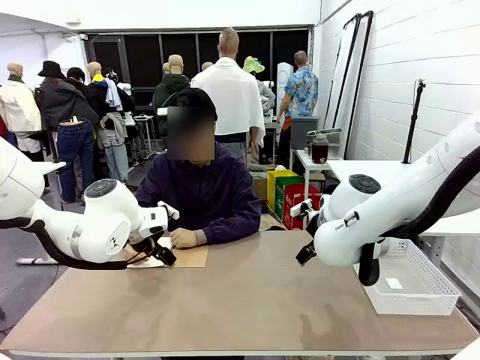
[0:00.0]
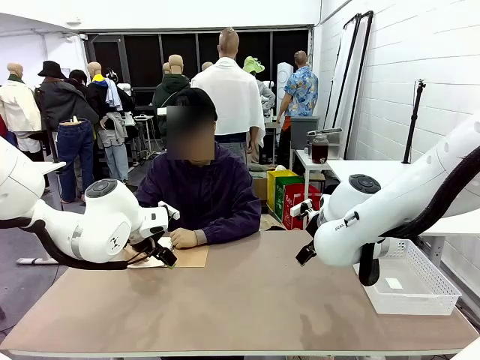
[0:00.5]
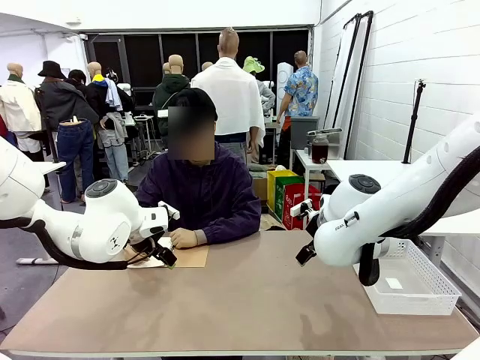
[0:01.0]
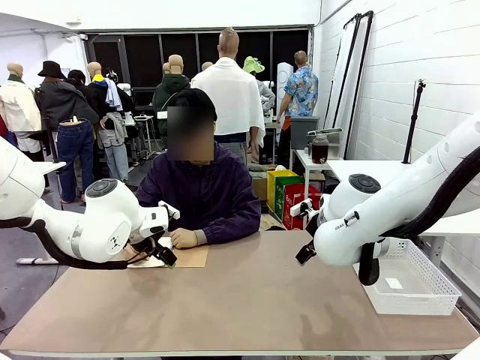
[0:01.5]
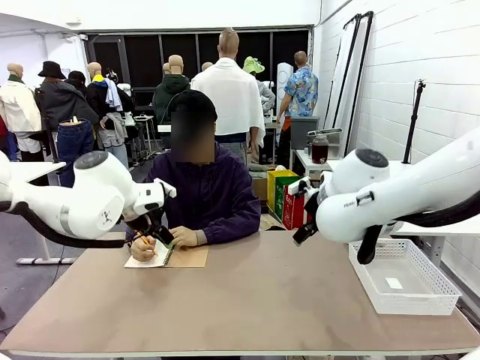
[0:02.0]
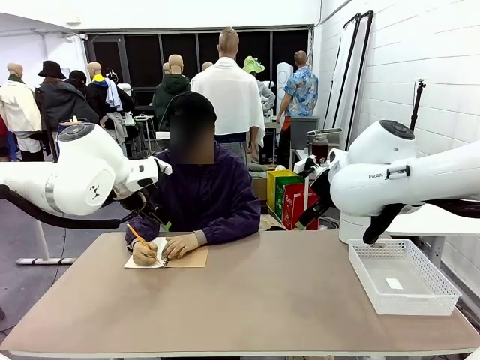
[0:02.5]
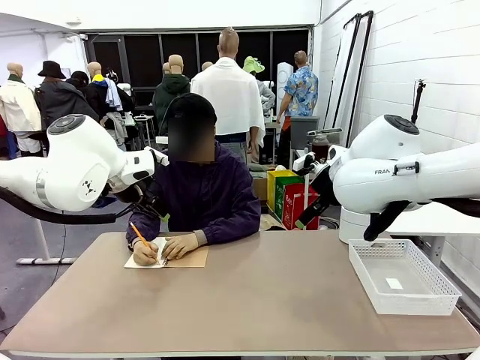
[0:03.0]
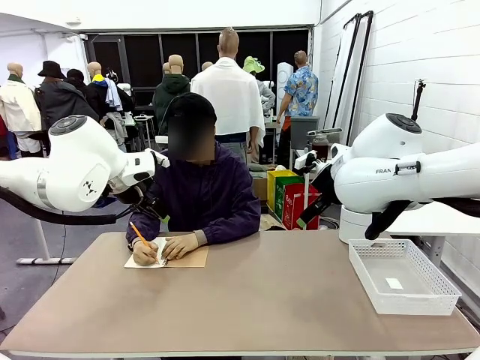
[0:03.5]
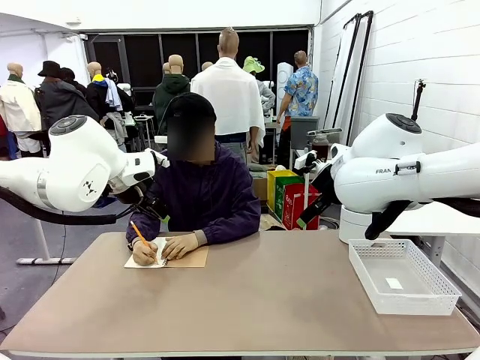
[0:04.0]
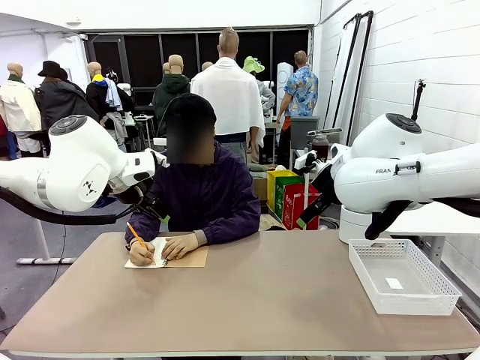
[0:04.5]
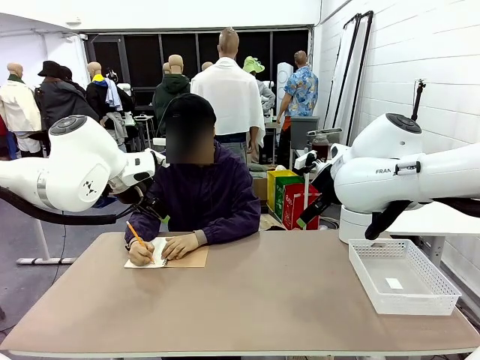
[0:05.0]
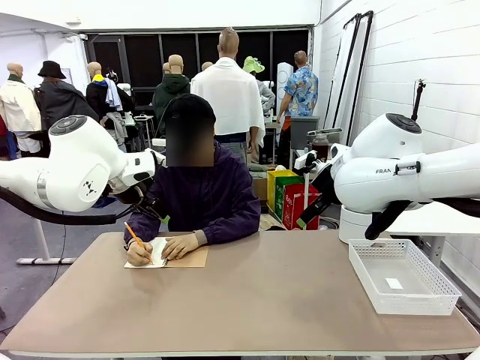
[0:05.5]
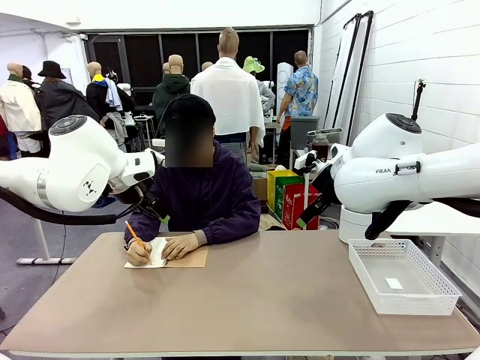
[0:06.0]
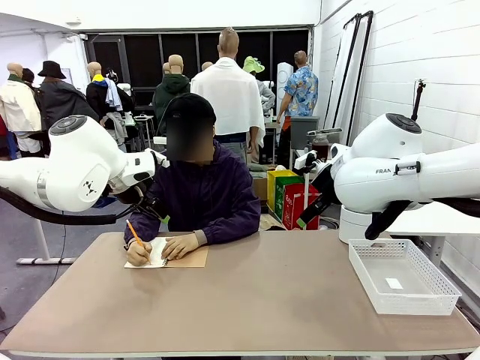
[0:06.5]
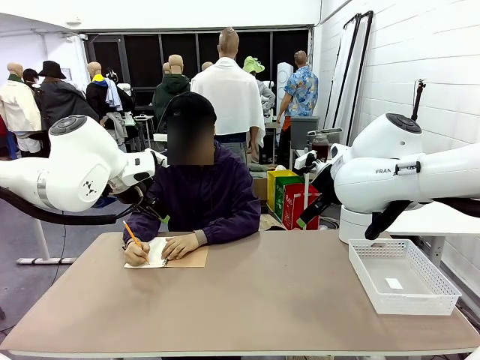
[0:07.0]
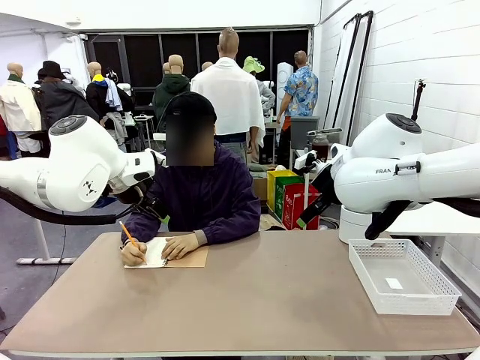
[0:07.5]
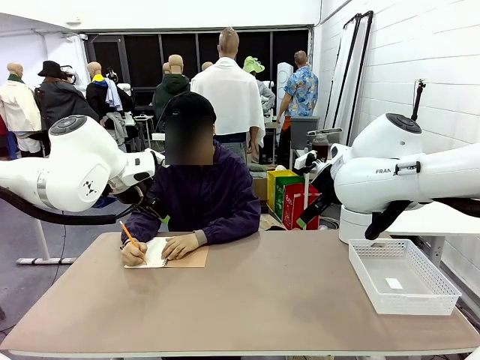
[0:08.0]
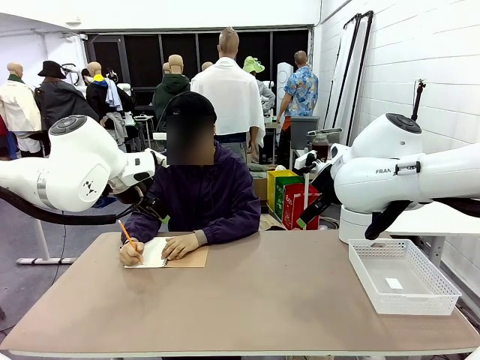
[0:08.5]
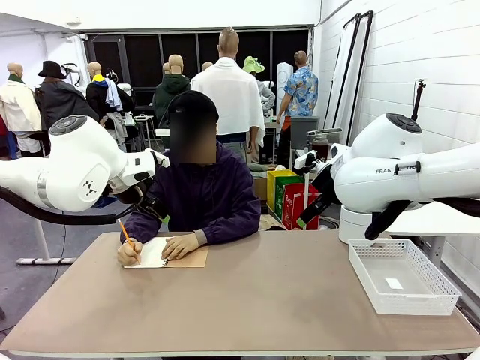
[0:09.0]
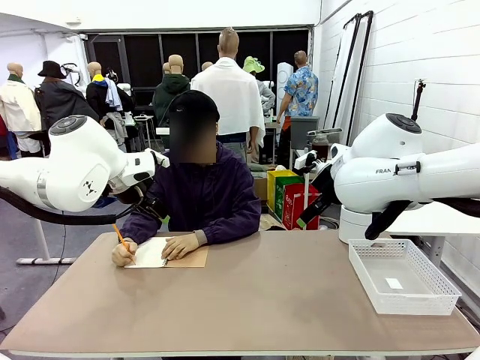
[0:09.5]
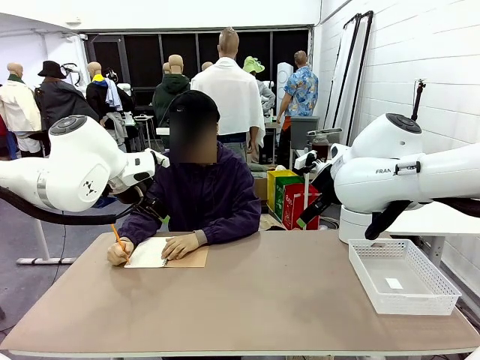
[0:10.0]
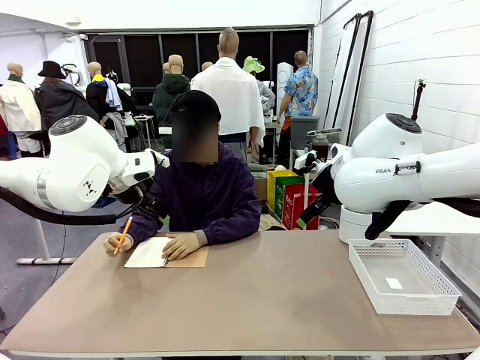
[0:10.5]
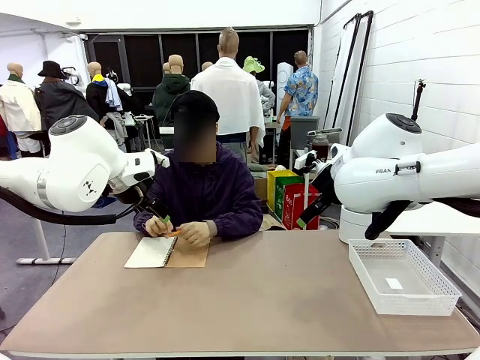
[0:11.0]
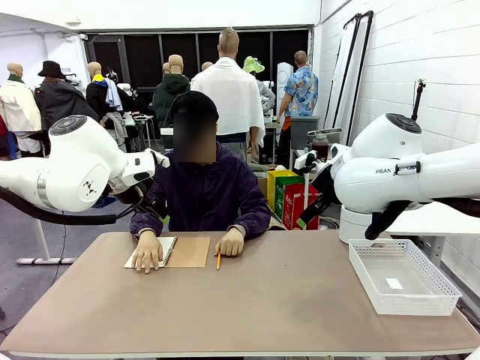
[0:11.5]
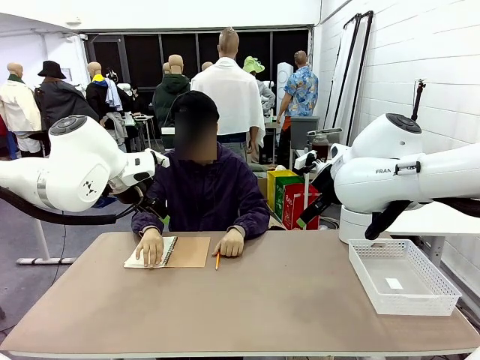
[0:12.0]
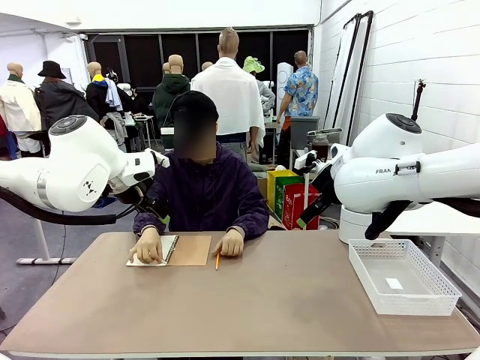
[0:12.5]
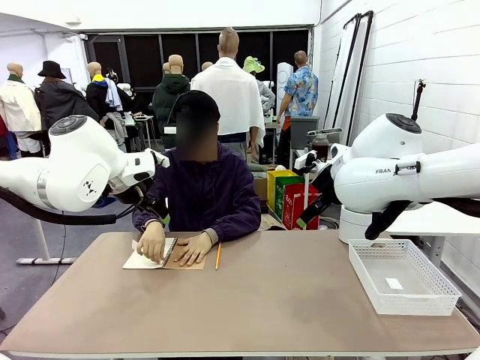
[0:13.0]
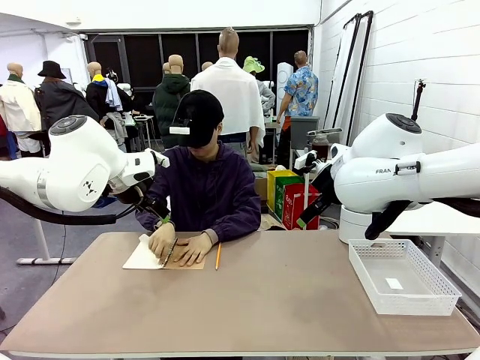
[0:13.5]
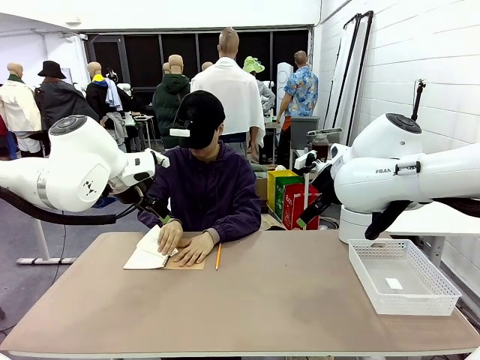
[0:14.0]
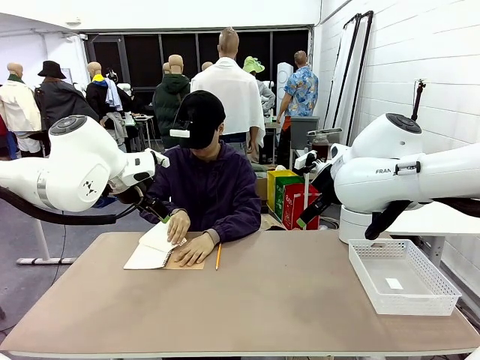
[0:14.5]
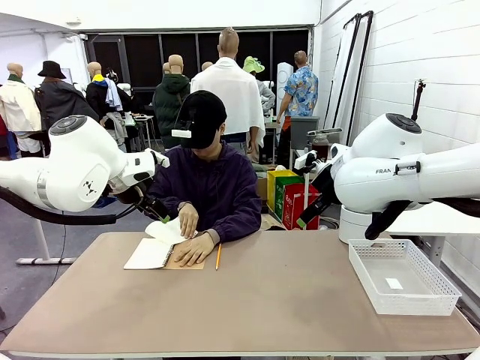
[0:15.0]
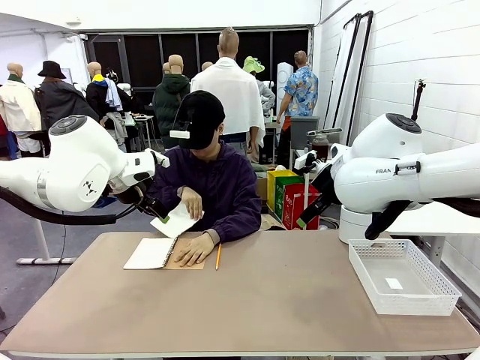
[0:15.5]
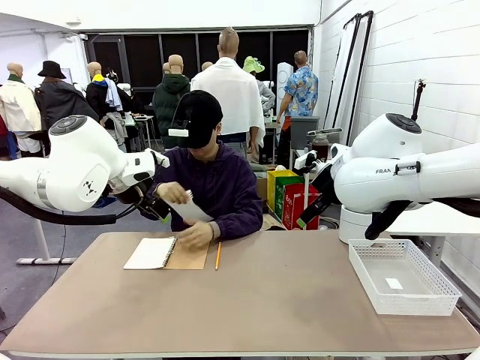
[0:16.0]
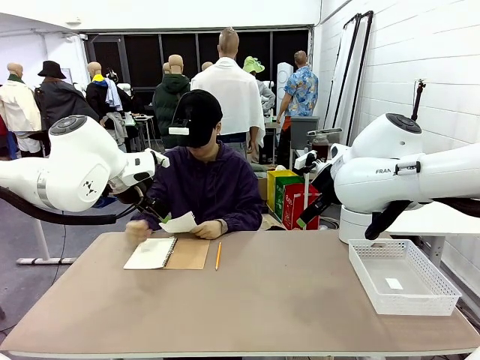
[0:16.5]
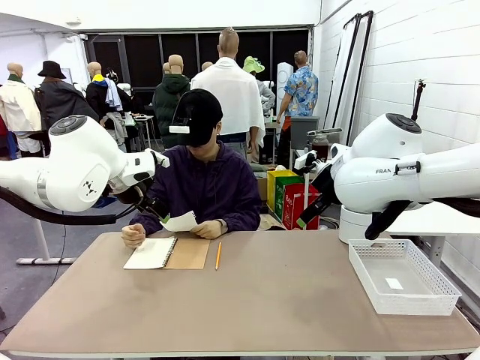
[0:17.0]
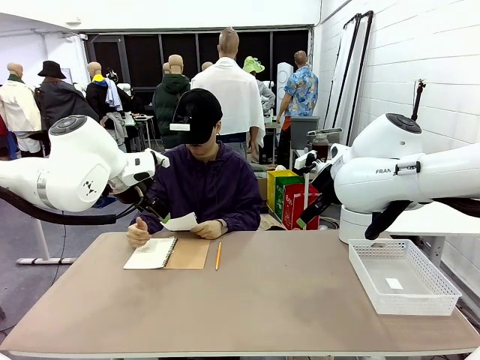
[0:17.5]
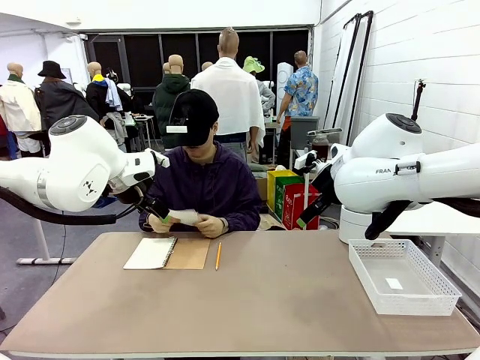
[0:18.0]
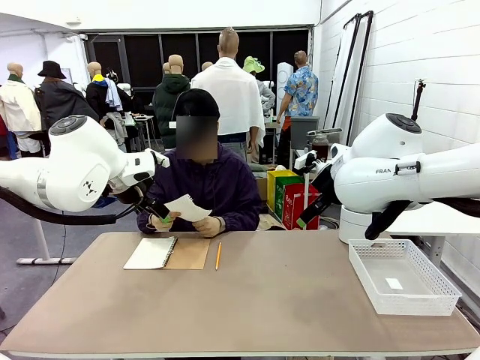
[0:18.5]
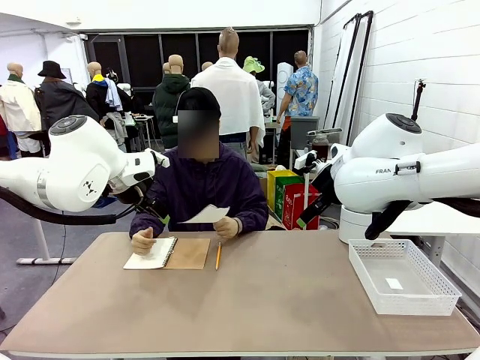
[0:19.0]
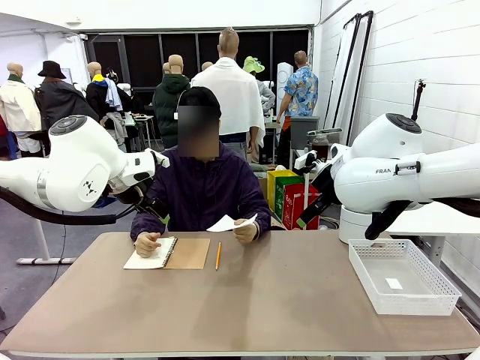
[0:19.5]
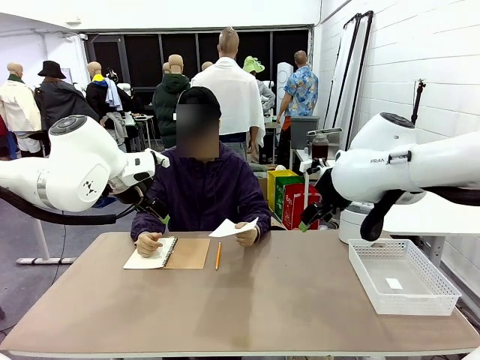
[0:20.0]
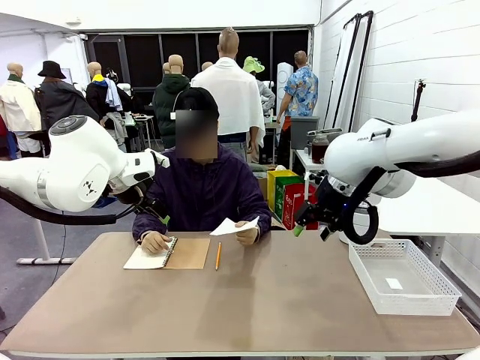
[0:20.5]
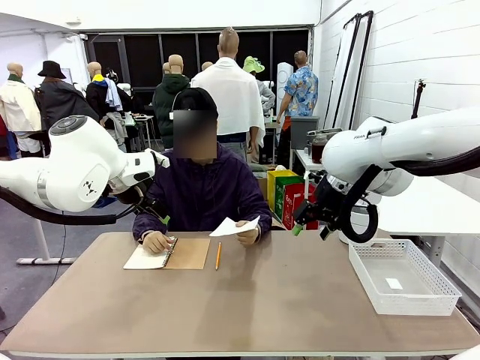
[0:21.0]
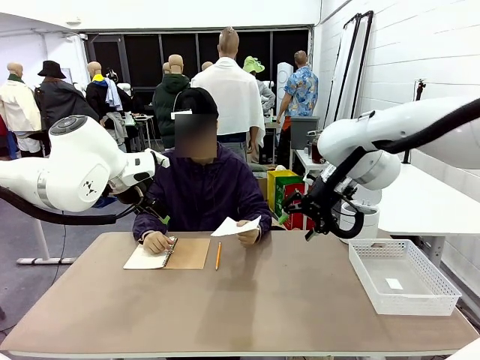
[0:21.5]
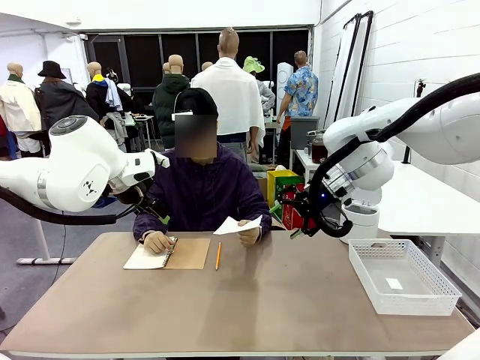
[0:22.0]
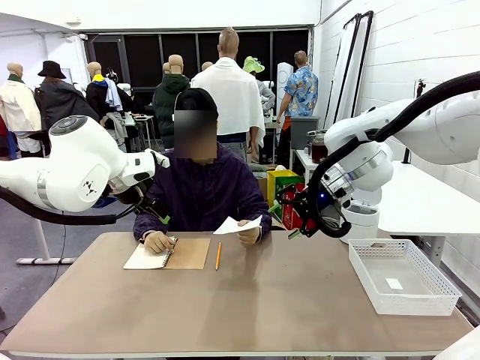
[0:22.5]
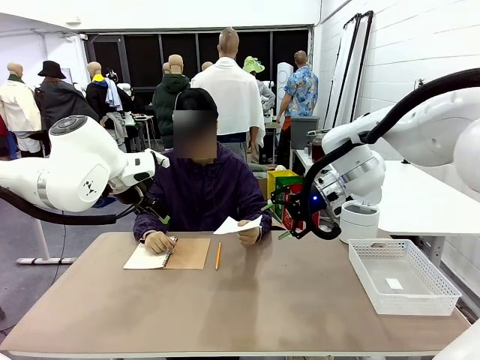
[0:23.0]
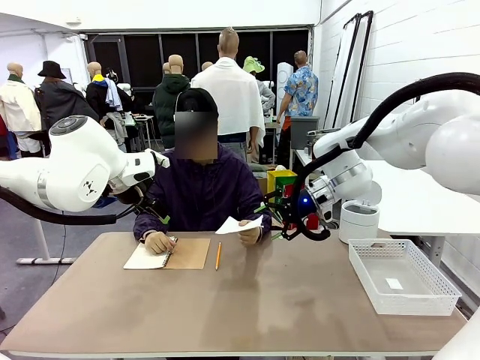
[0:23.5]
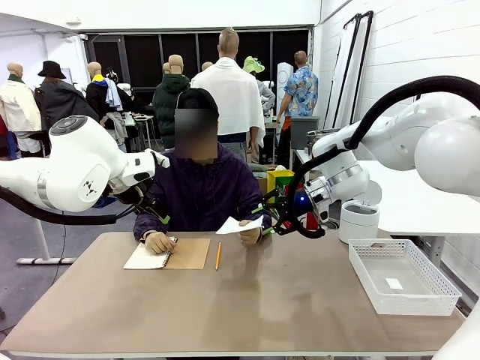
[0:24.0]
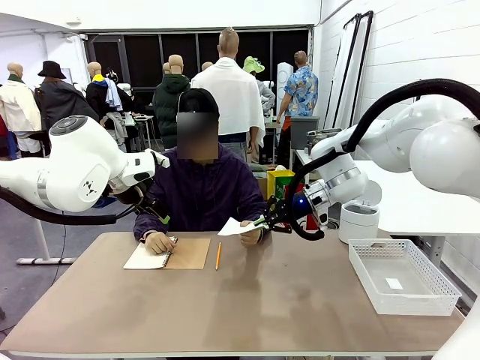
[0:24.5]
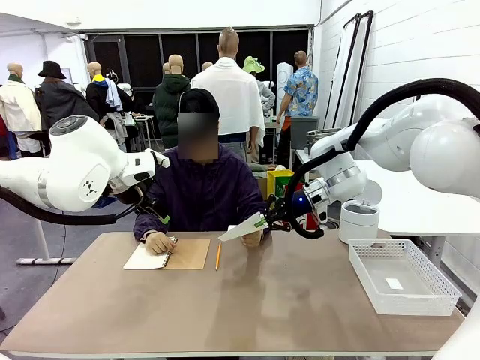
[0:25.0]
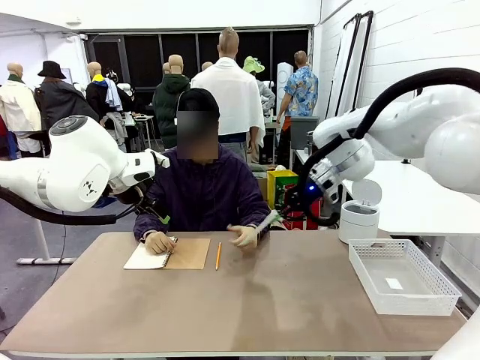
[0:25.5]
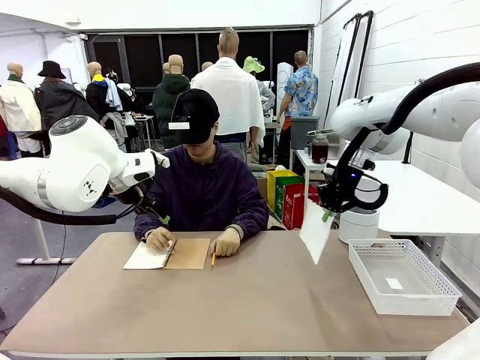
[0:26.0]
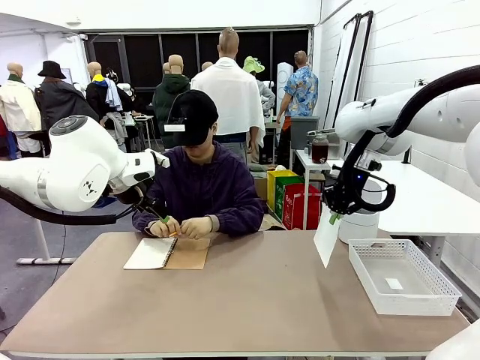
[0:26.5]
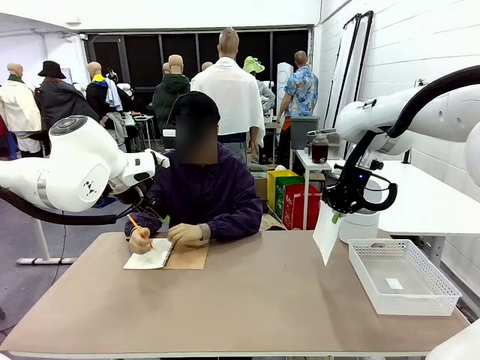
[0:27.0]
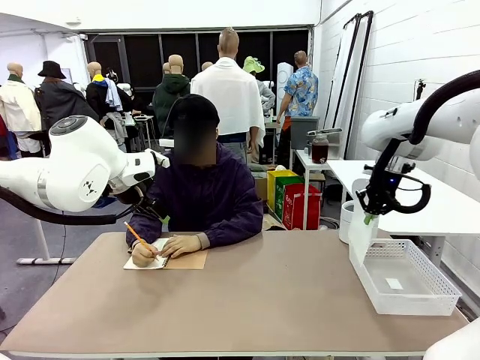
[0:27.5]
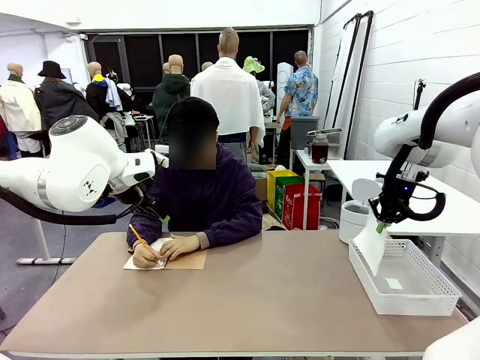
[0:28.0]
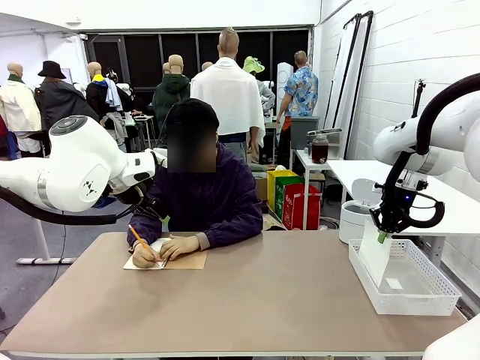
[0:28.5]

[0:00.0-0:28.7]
Task: Sort the paper based on its condition.
Robot: If a person hands you a paper, place it in the Organizing basket , and if it's crumpled, put it in the Trash can.
Person: Tear out a page from the spiral notebook. Hand the torn page to the robot or crumple it and throw it to the center of the table.
